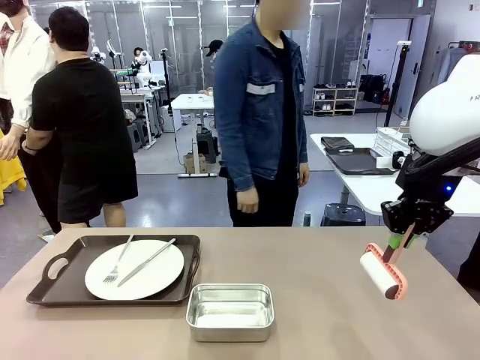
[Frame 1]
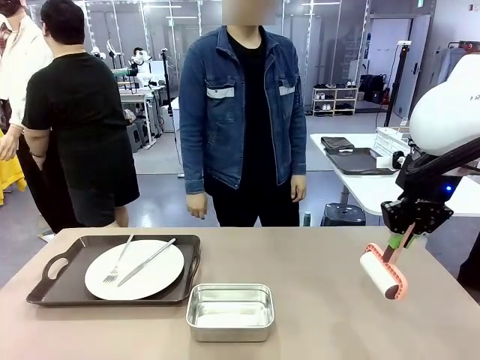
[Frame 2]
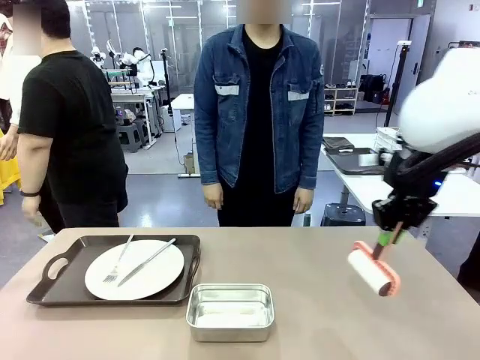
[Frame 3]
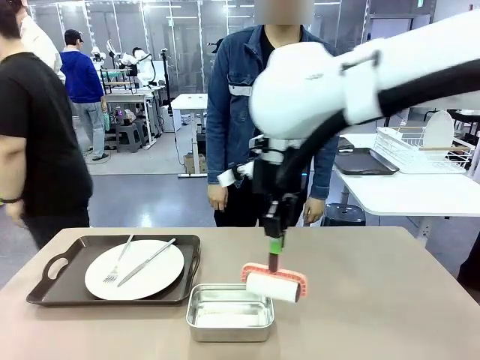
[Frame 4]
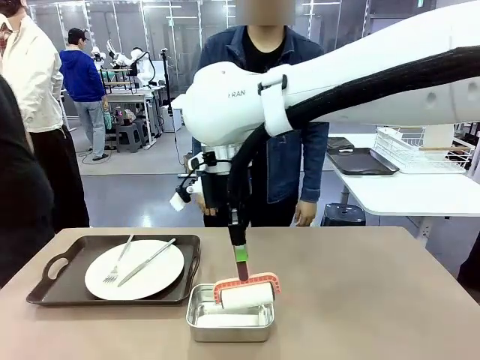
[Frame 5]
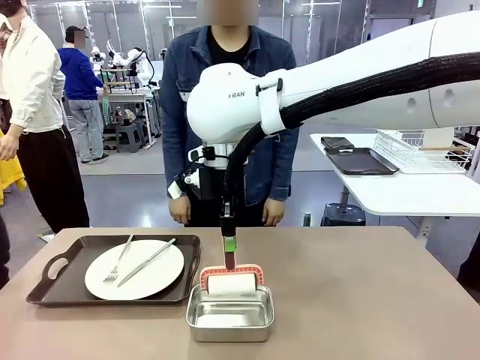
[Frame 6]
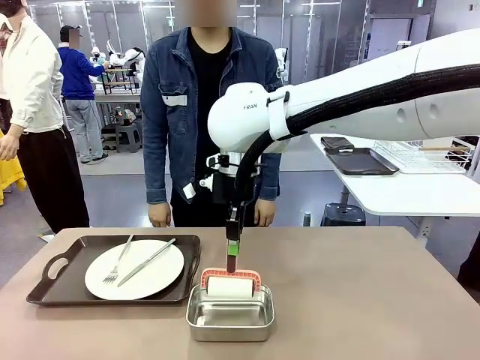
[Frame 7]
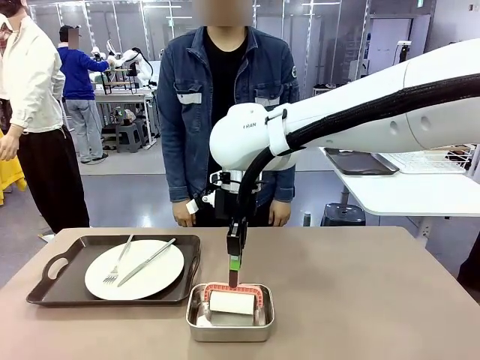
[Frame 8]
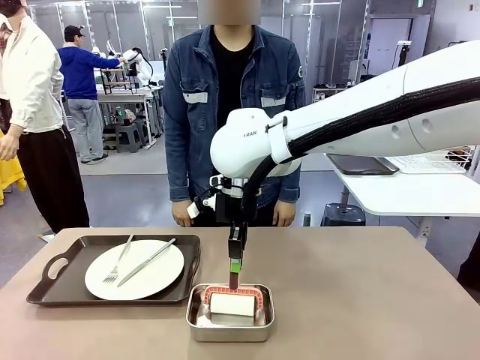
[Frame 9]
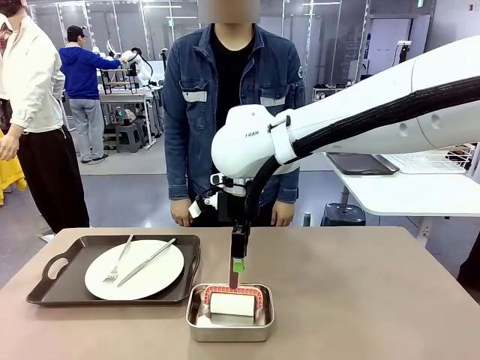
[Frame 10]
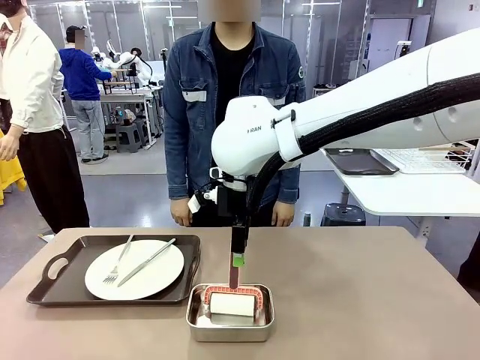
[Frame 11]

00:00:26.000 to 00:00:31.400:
Robot: Place the Lint Roller back on top of the Airtight Container.

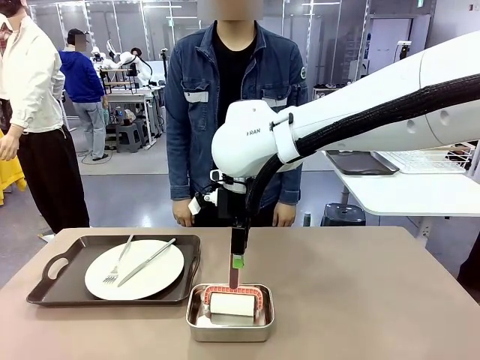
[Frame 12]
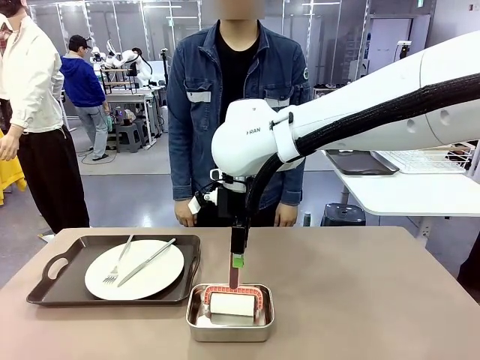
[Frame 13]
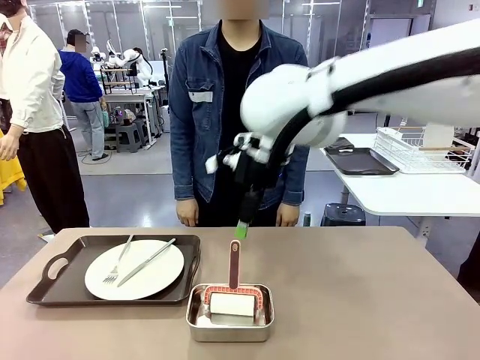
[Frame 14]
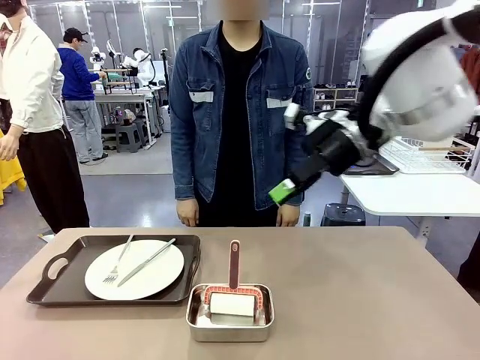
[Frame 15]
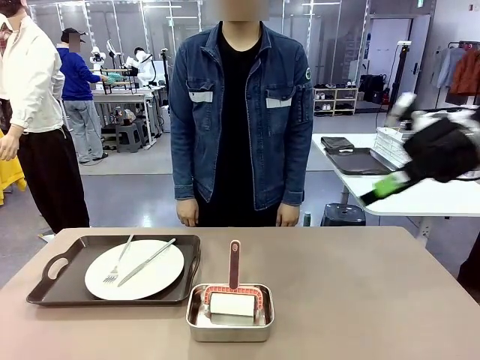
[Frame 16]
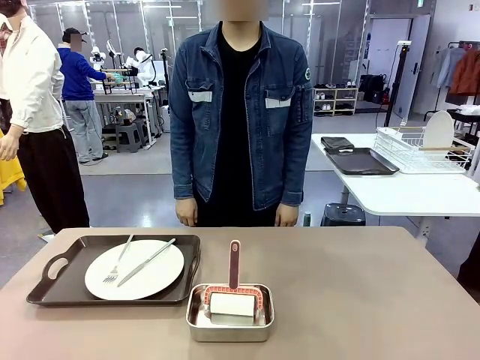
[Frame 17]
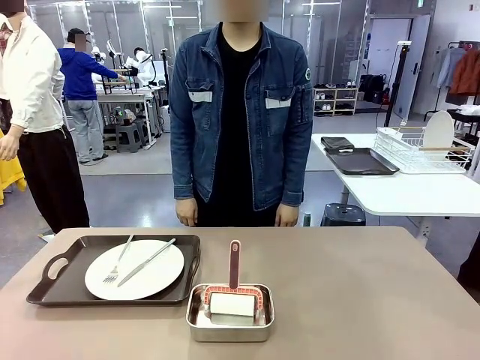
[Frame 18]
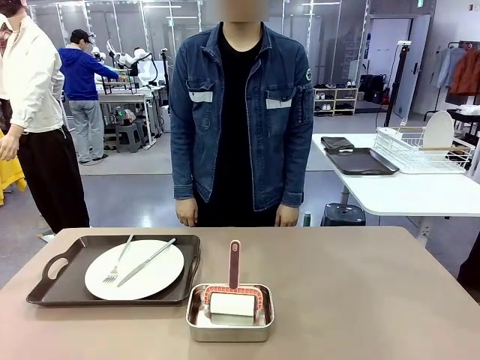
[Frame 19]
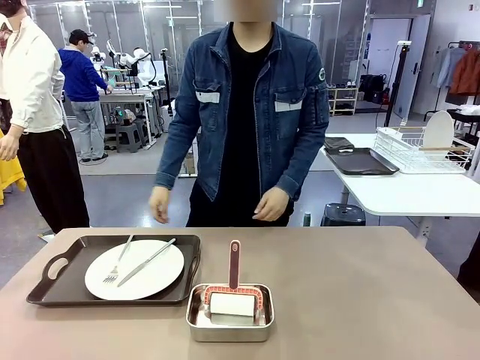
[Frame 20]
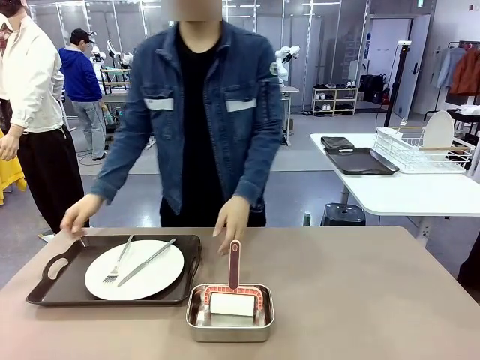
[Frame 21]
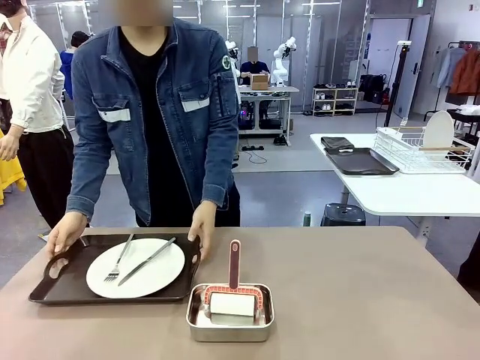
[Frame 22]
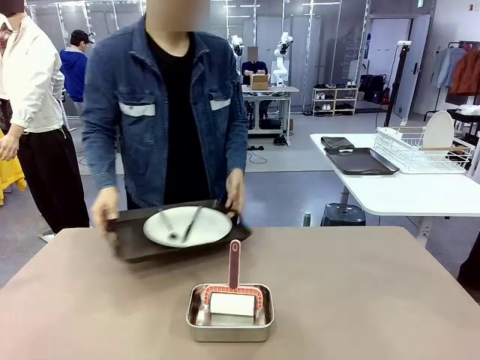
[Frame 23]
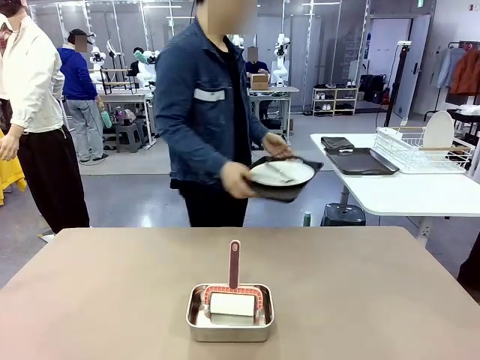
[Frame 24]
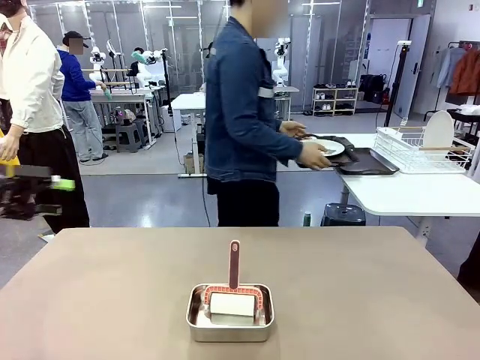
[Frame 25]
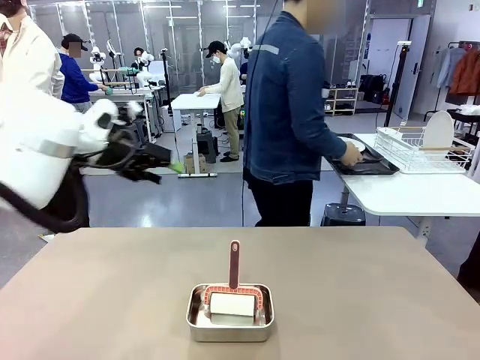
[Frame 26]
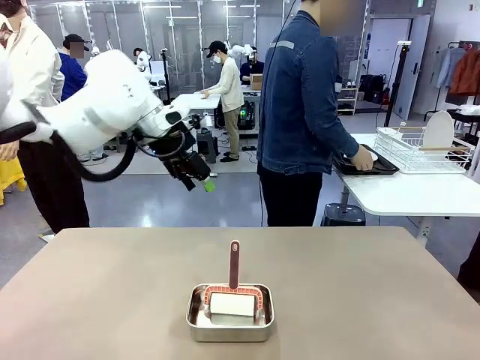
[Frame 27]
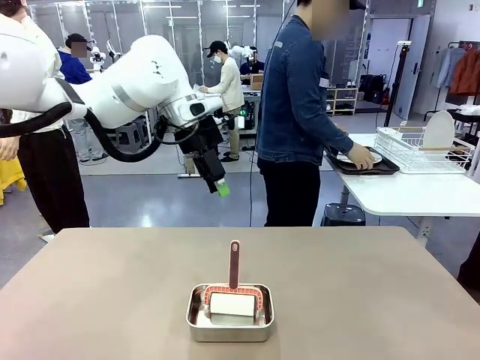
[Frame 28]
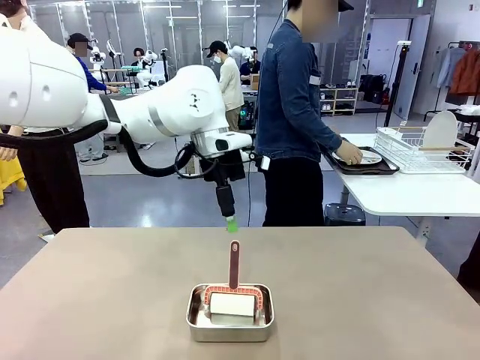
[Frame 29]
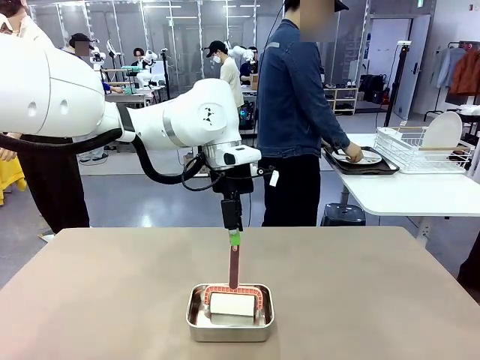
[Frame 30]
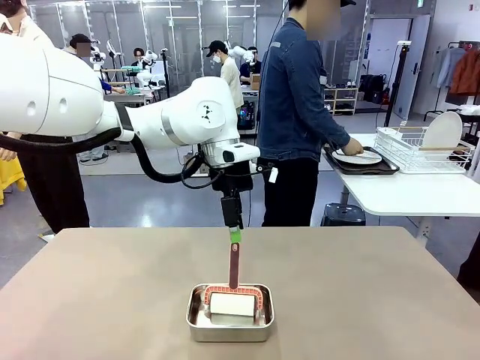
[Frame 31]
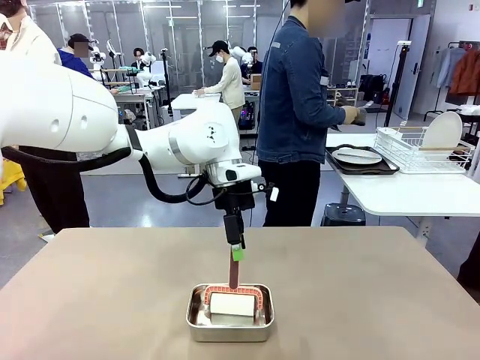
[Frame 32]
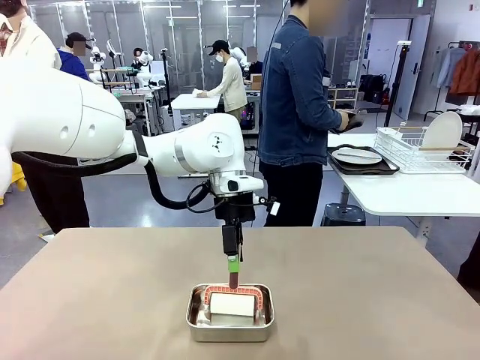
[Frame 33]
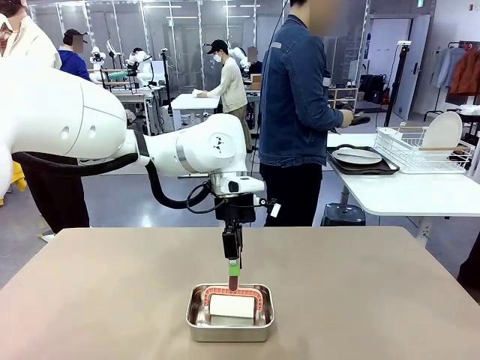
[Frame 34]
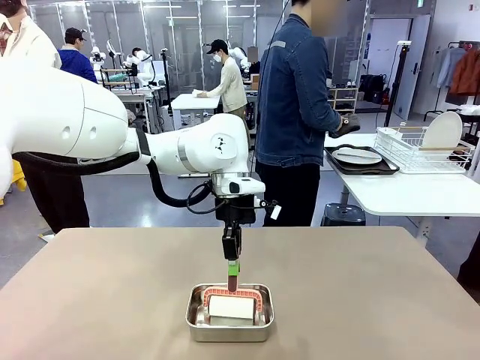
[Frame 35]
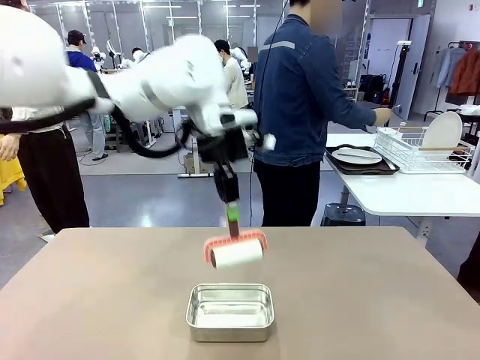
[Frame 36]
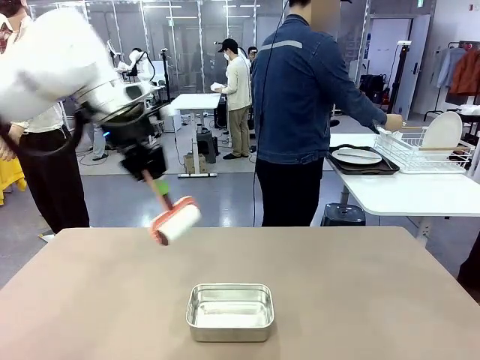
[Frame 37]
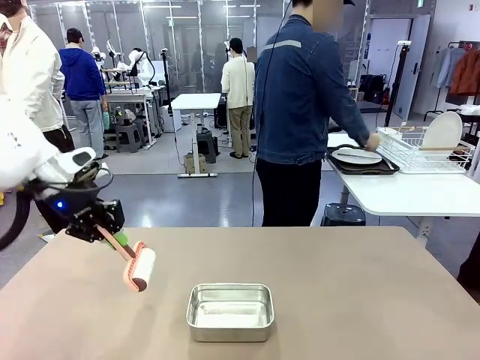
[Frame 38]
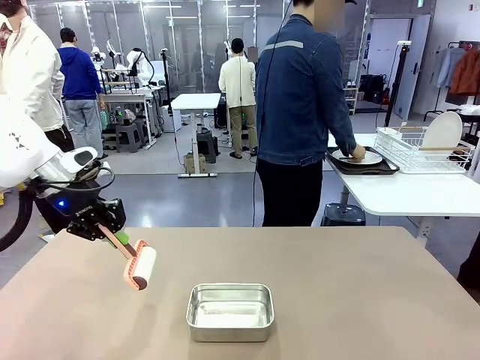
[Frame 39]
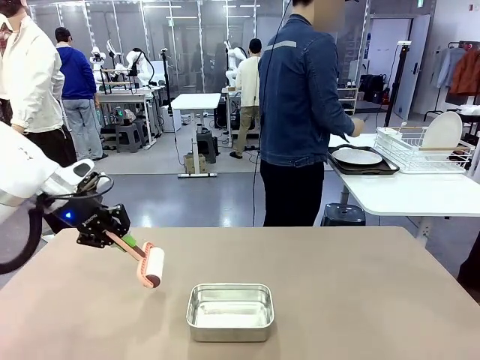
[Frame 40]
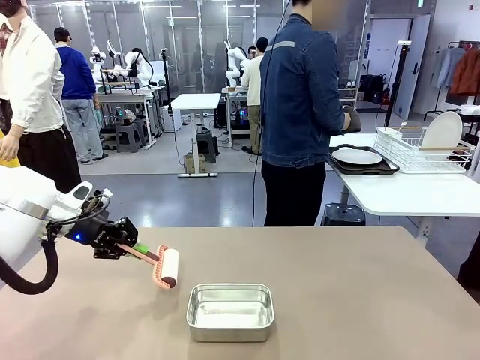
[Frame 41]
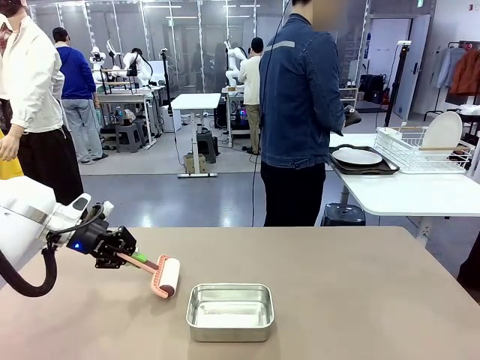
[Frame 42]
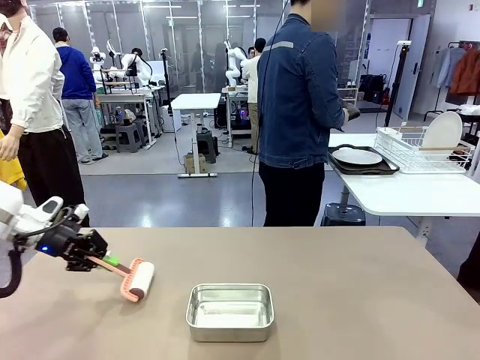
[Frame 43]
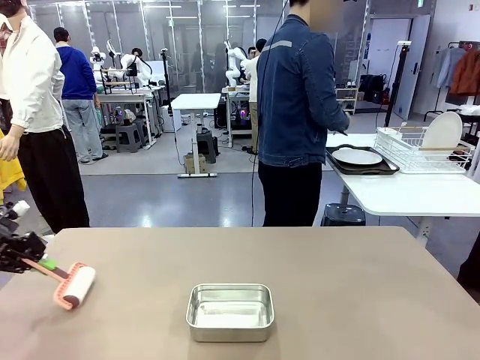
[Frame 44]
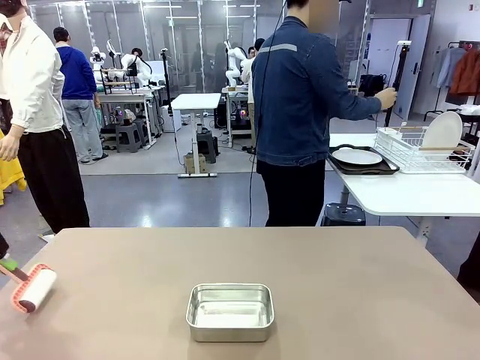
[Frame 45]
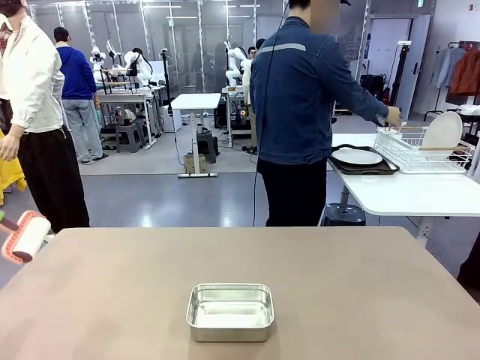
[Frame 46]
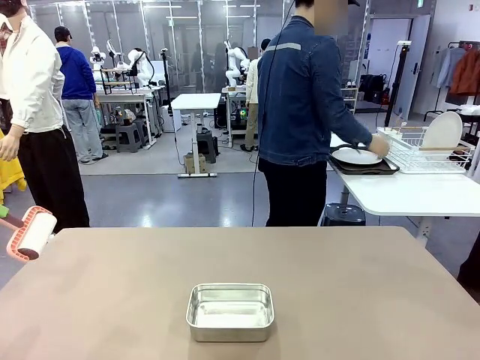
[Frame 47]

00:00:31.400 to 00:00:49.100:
Robot: When the right (or left) Handle tray is removed, use the right hand (or left hand) to clean the right (or left) side of the table with the Lint Roller.
Person: Pick up the left (or right) Handle tray and place it on the Handle tray.

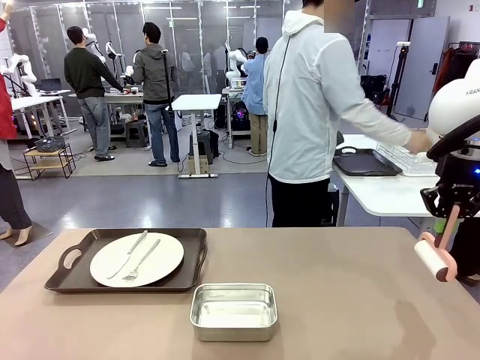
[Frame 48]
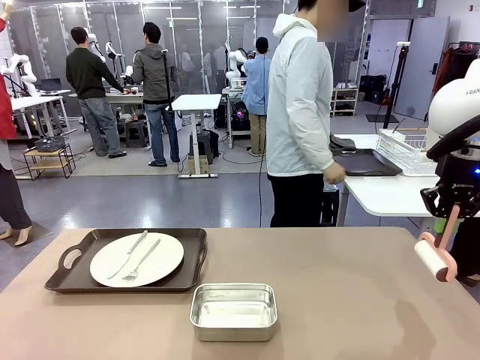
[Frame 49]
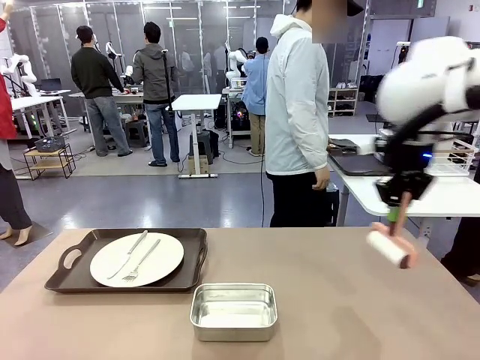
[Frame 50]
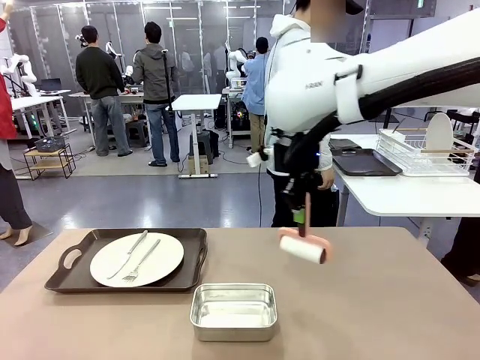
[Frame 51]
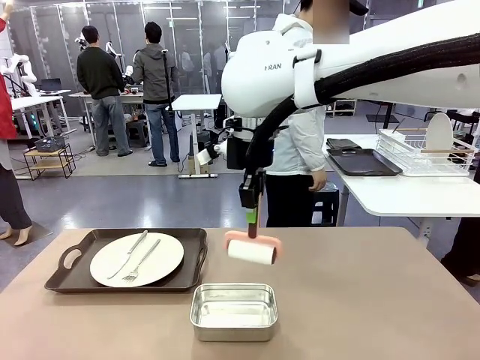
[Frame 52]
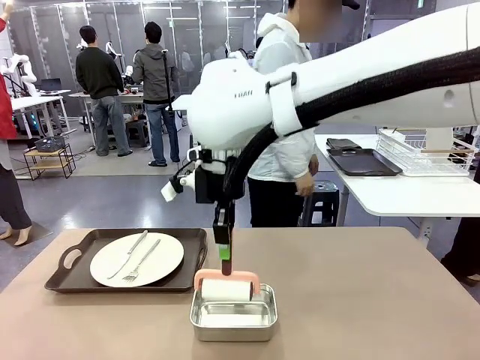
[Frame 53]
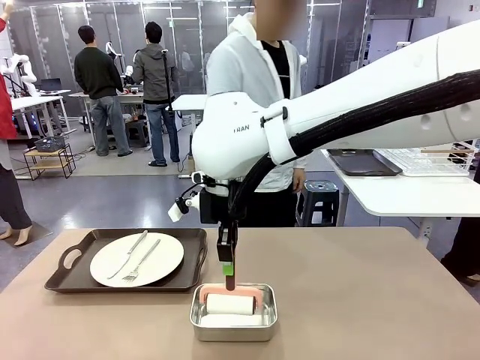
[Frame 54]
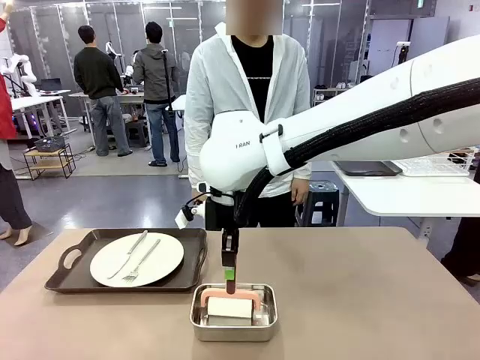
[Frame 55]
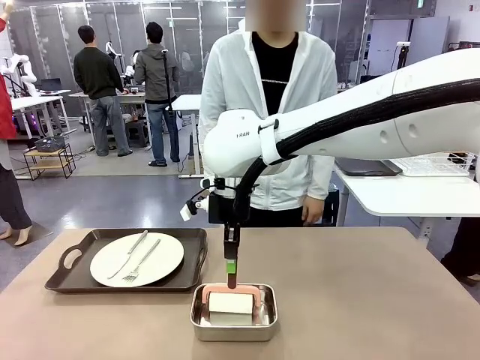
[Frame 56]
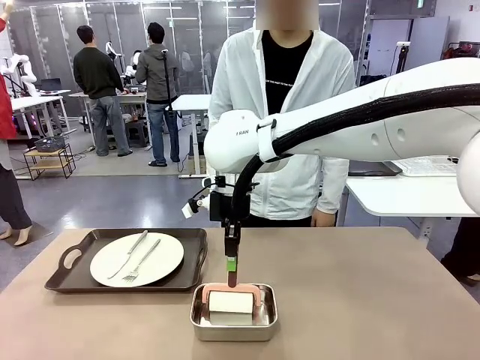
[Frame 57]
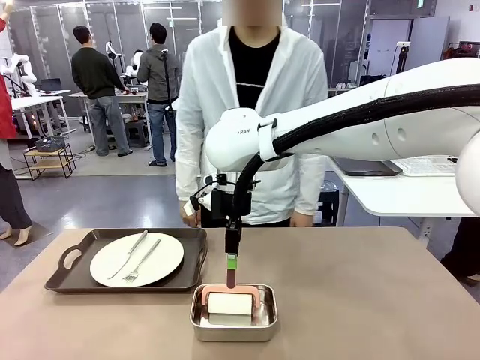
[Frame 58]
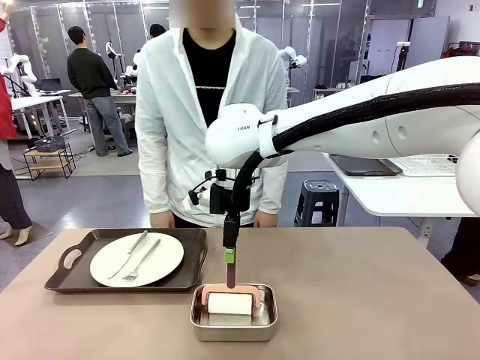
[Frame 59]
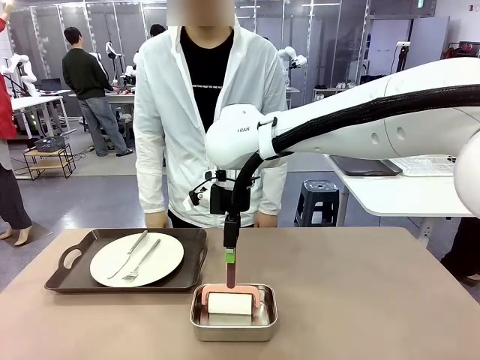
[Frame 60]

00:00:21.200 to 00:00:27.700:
Robot: Place the Lint Roller back on top of the Airtight Container.
